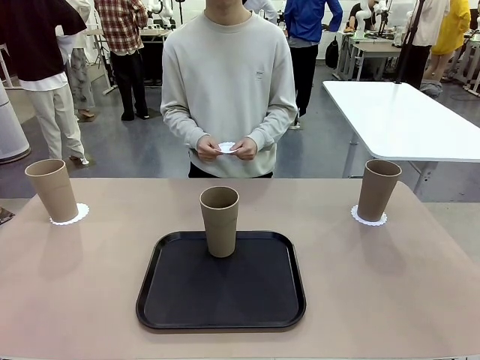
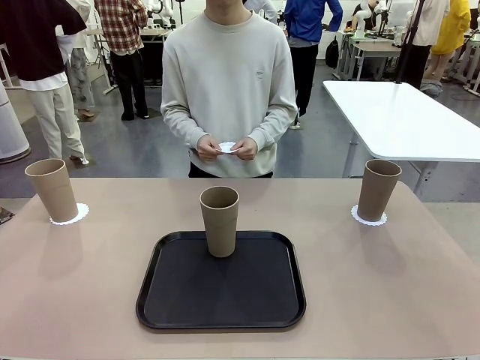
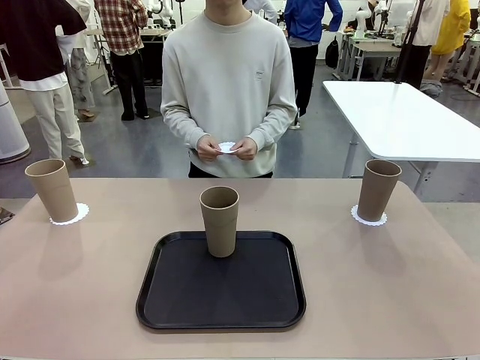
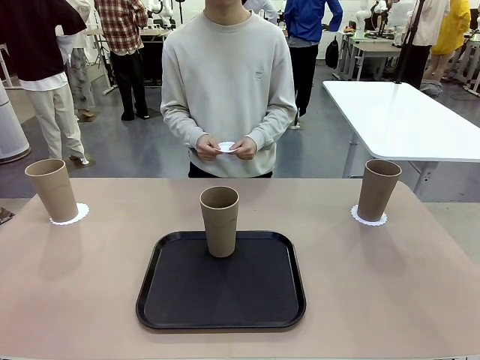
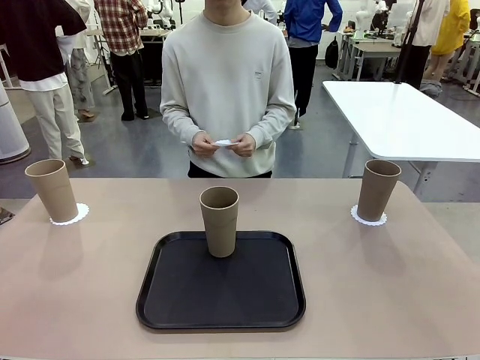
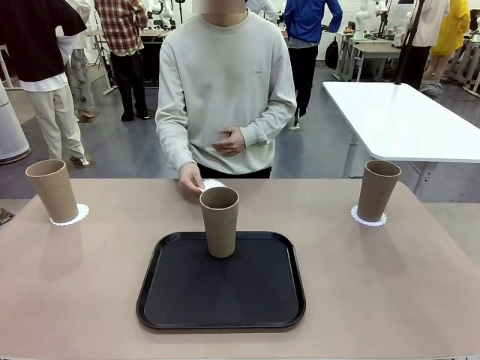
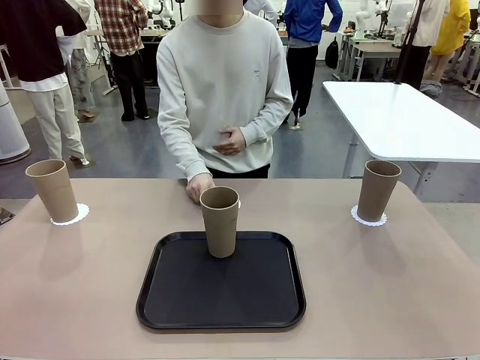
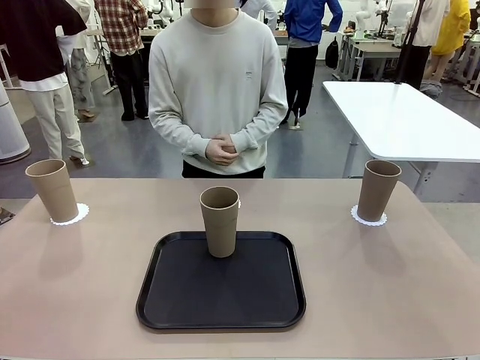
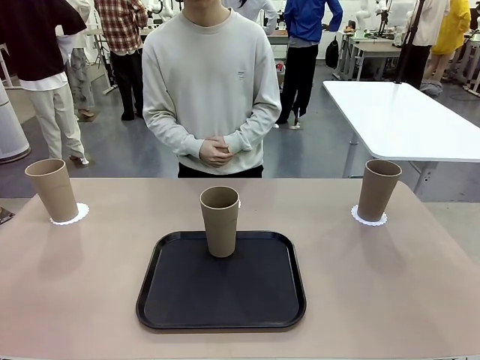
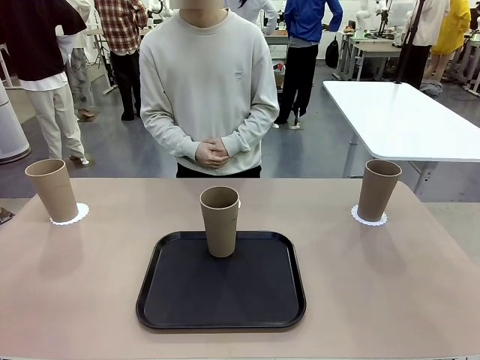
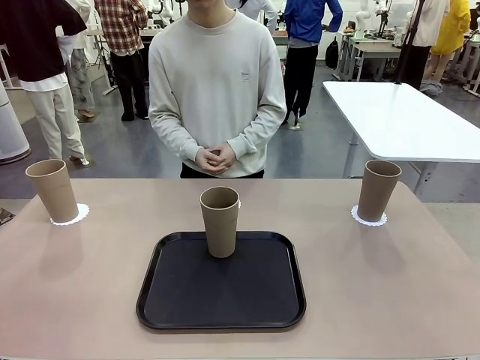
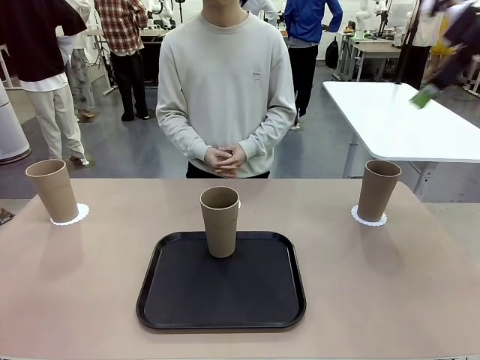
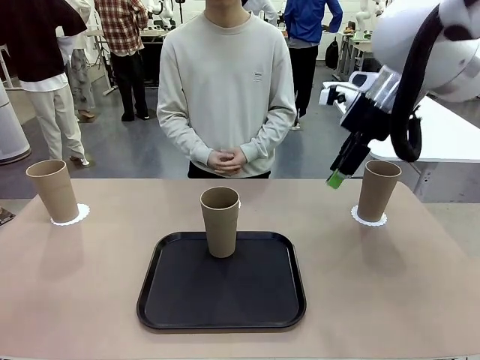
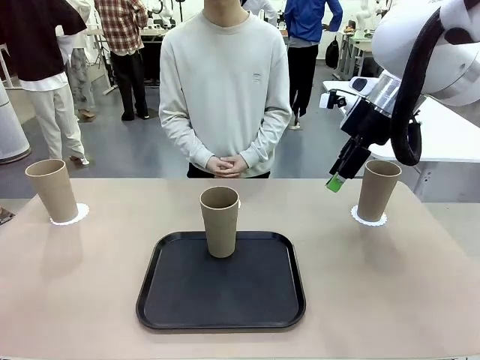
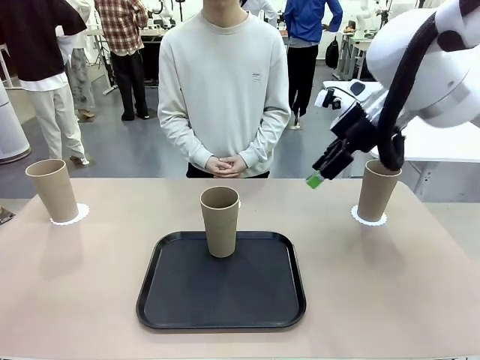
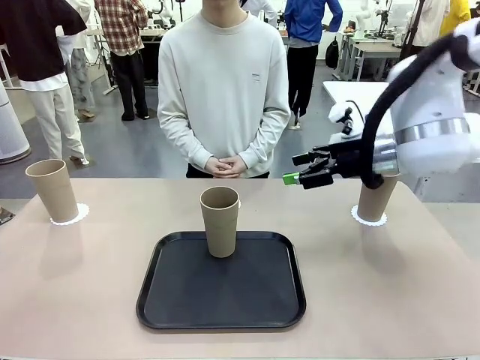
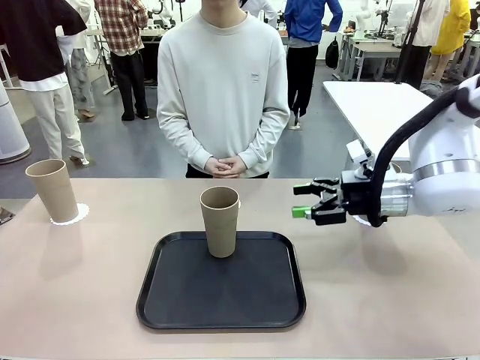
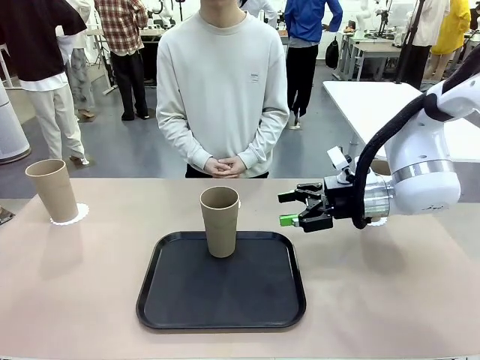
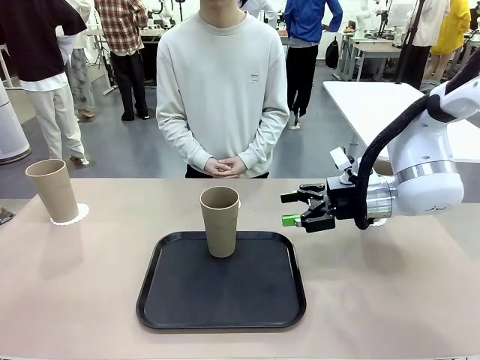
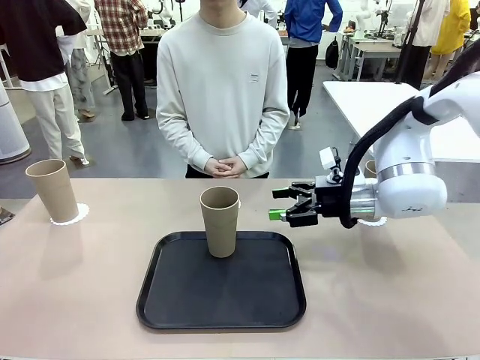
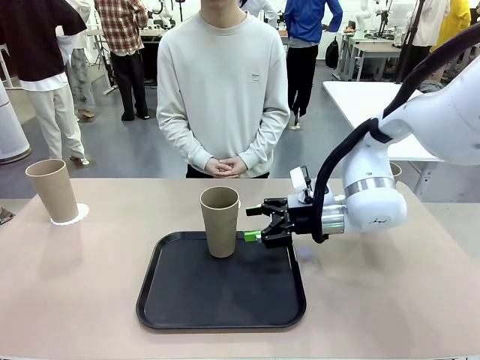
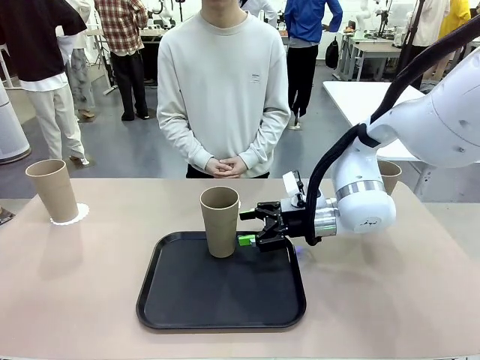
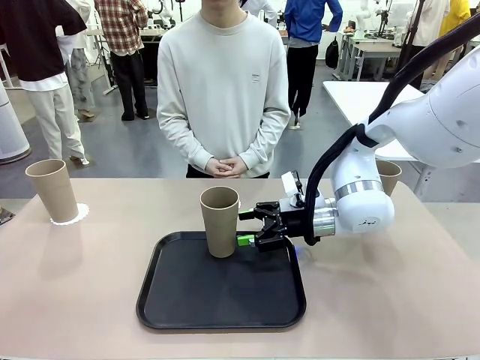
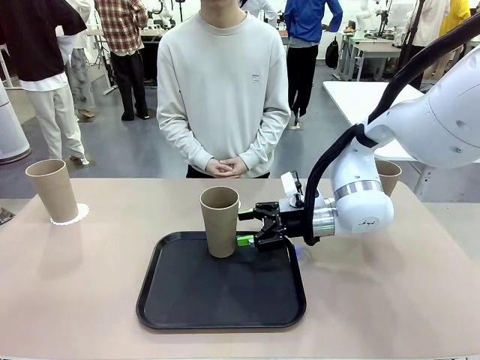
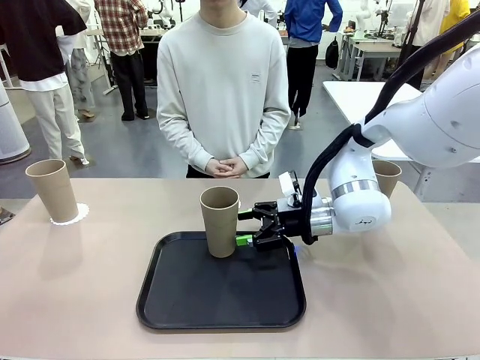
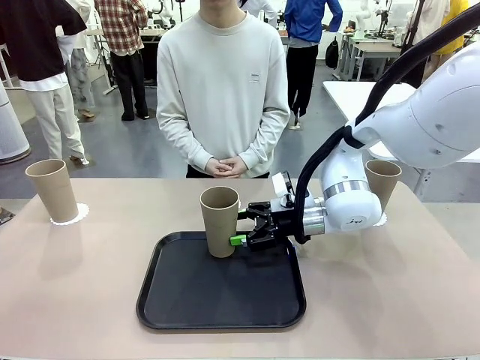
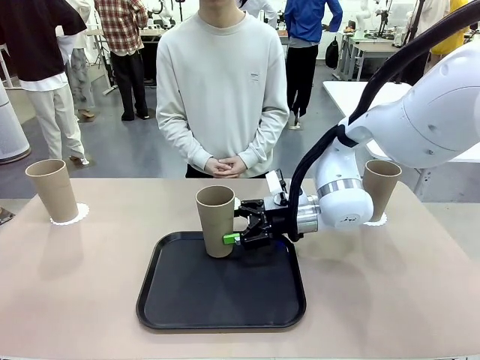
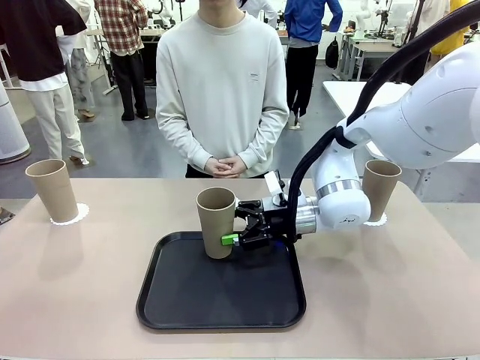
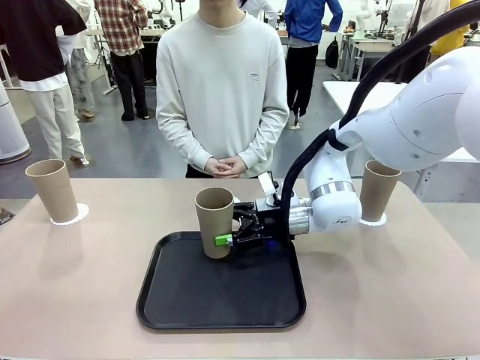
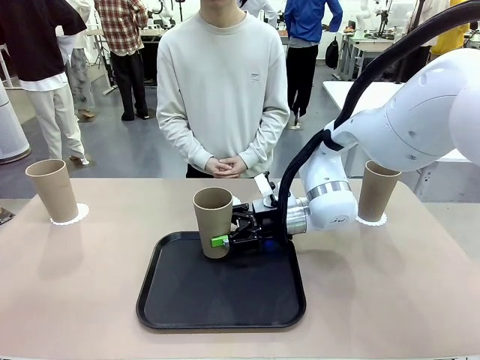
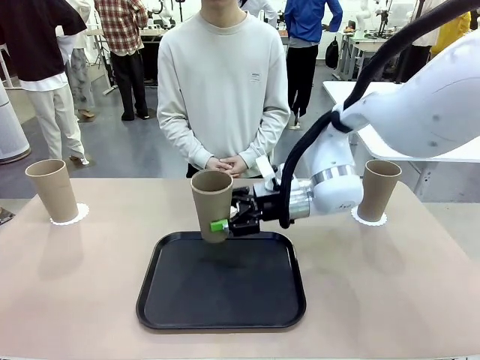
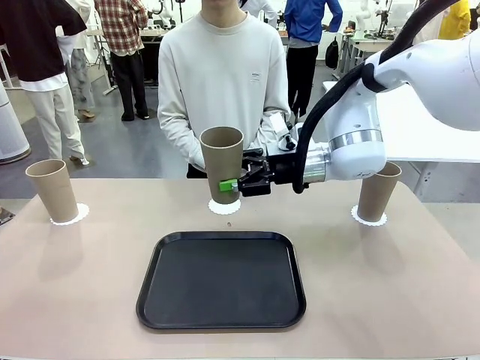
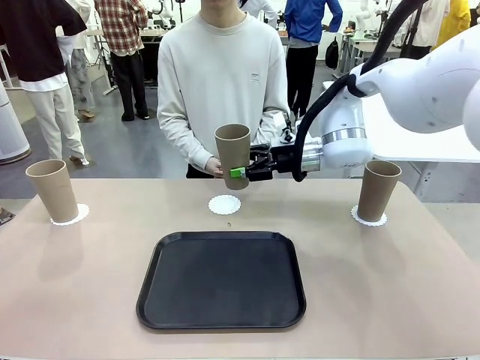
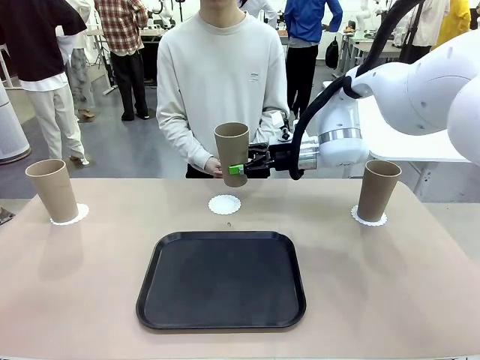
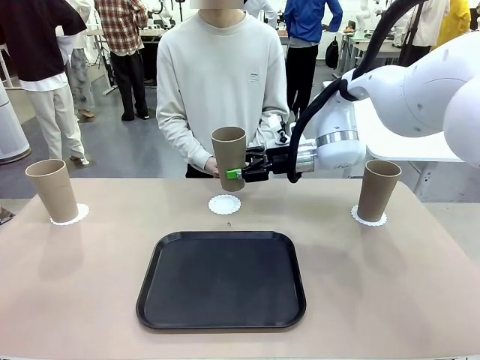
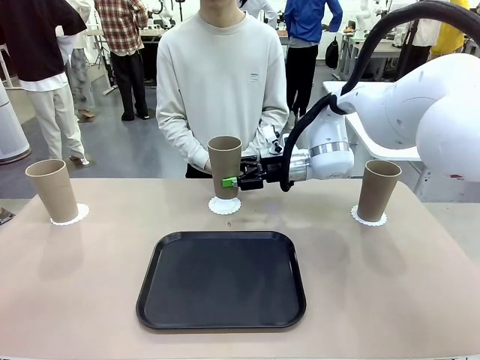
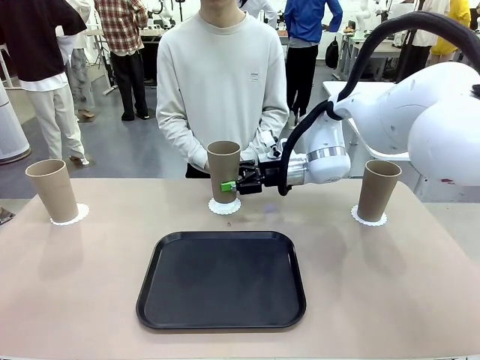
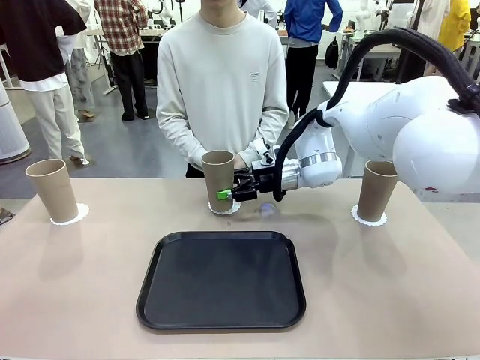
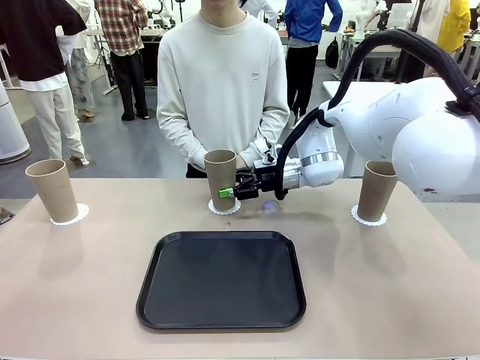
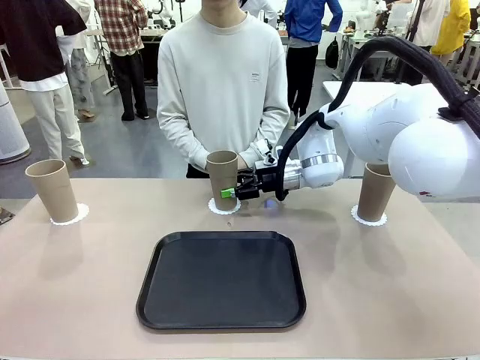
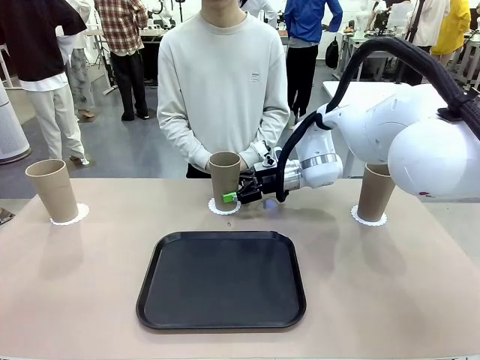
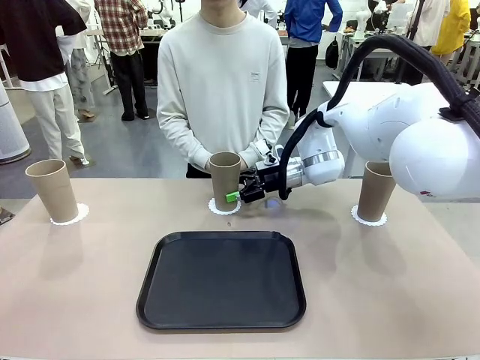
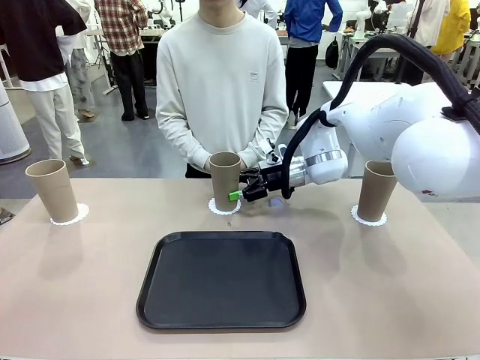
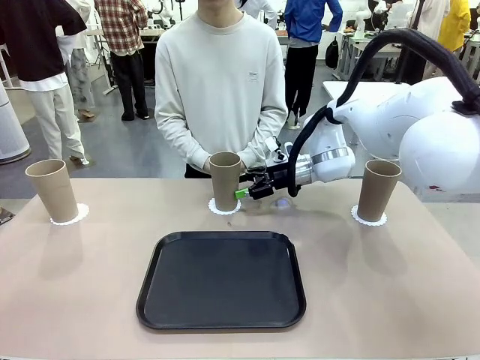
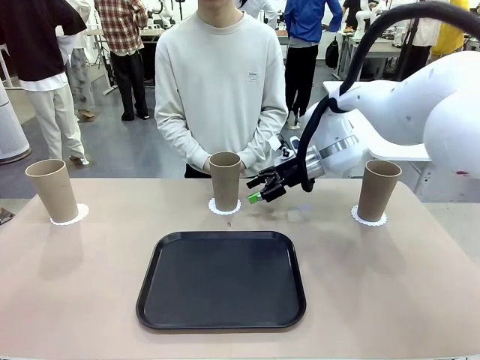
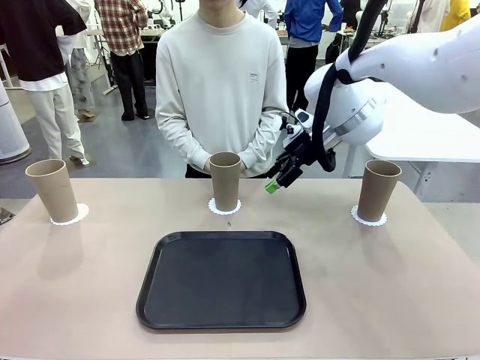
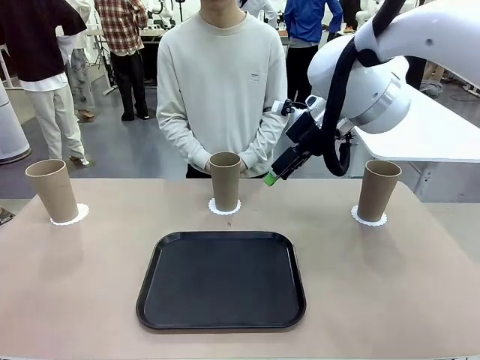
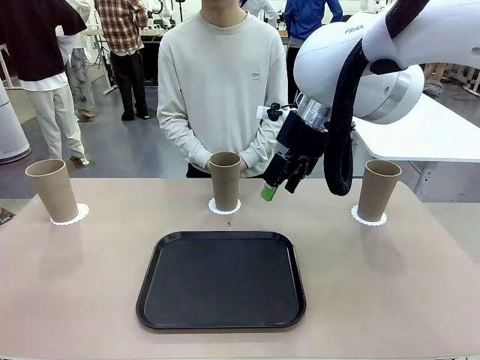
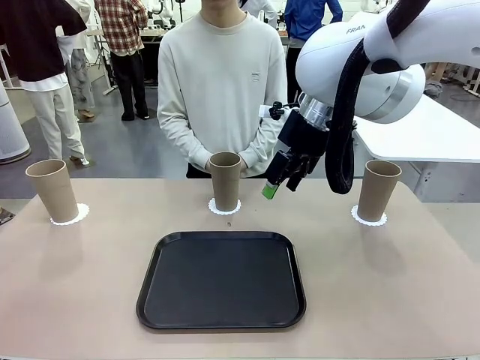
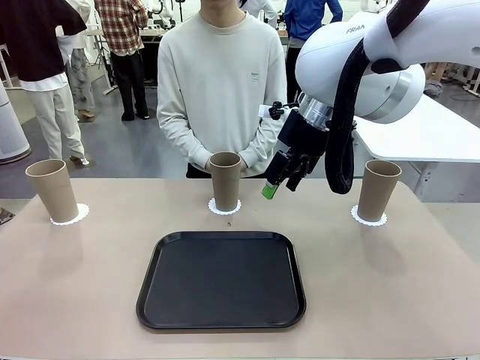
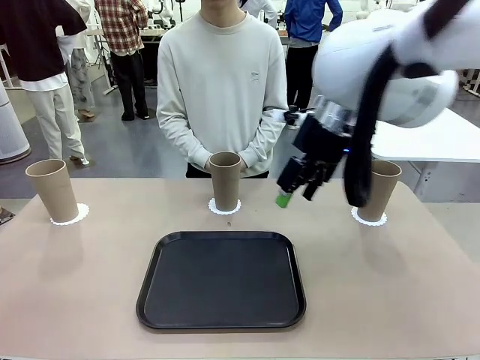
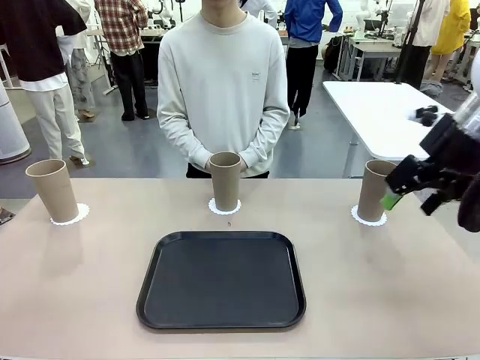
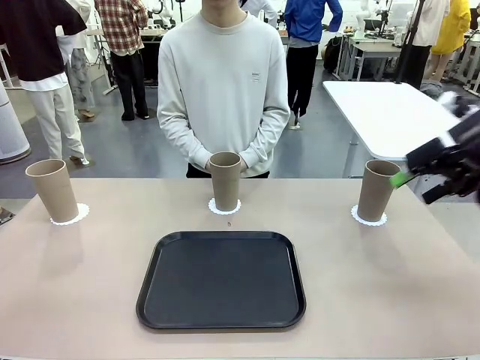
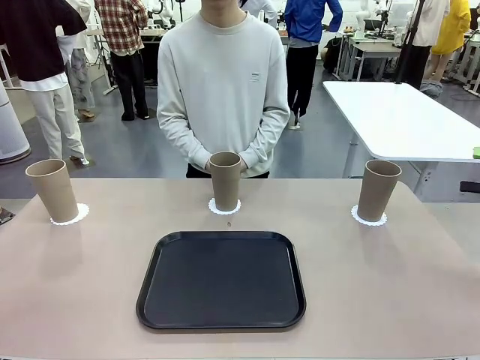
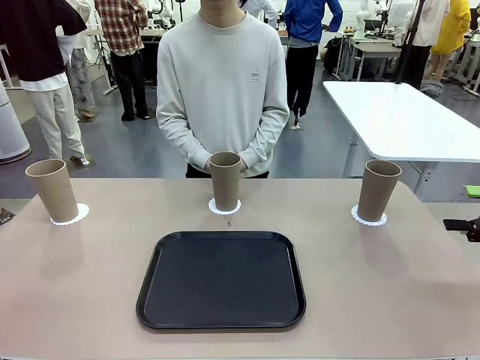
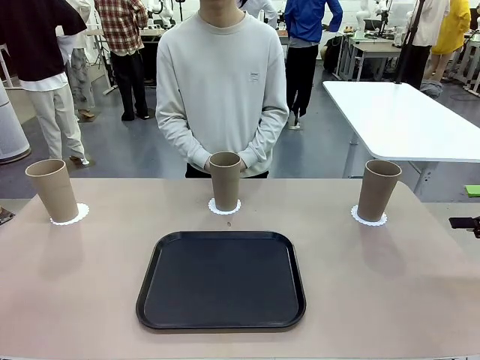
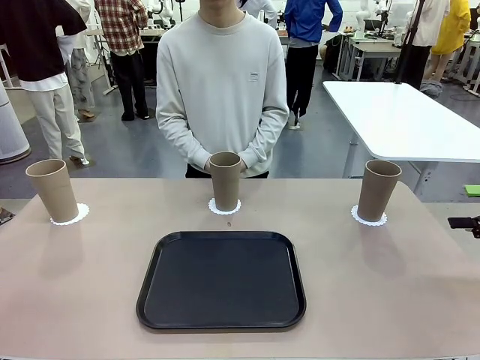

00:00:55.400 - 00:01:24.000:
Task: Place coasters on the table and set cups on them.
Robot: Take one Reusable plastic cup from the Flat Tray and place it on a coaster set by the human.
Person: Place one coaster in the only remaining area.
